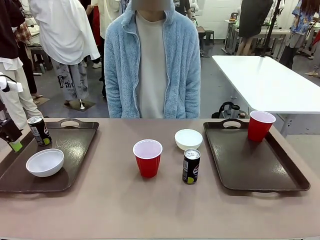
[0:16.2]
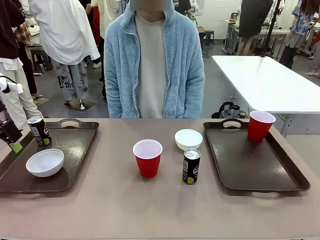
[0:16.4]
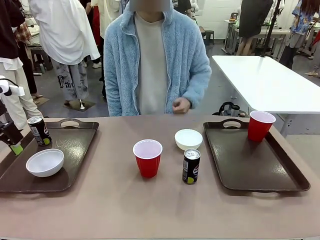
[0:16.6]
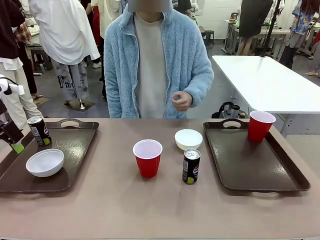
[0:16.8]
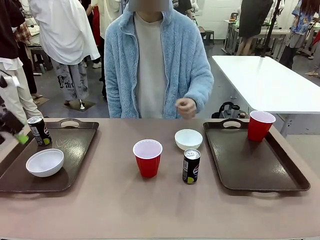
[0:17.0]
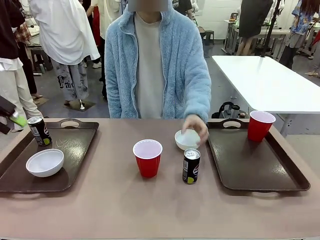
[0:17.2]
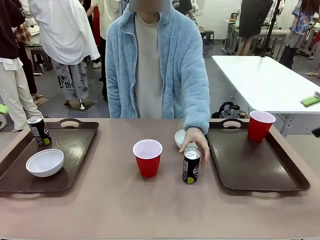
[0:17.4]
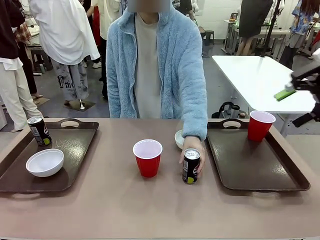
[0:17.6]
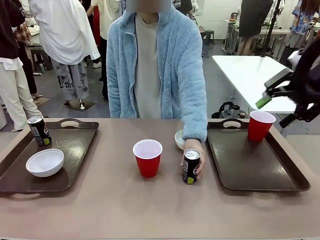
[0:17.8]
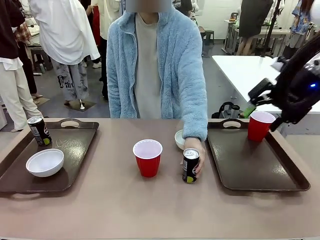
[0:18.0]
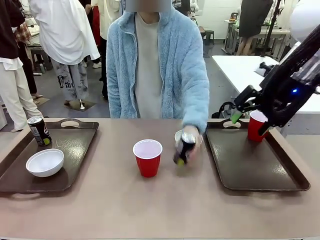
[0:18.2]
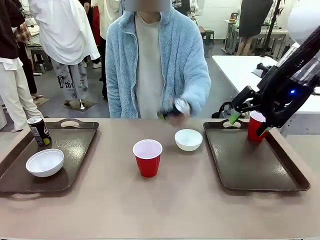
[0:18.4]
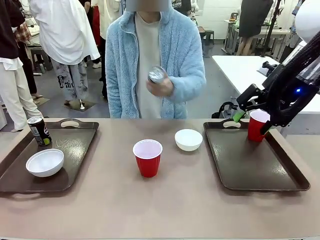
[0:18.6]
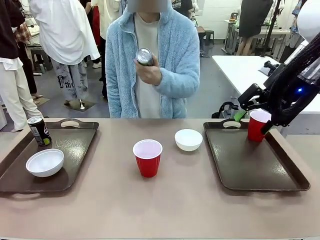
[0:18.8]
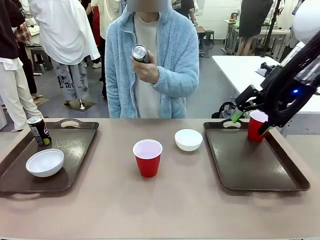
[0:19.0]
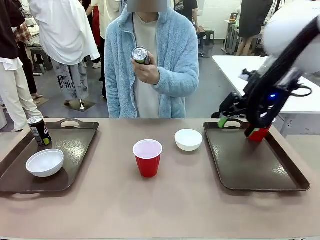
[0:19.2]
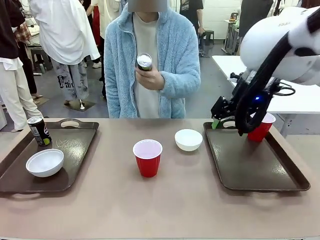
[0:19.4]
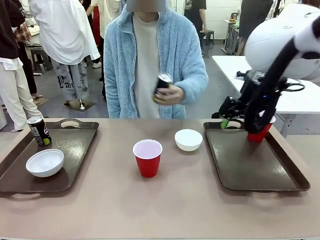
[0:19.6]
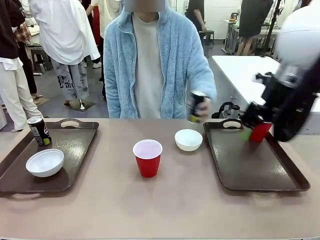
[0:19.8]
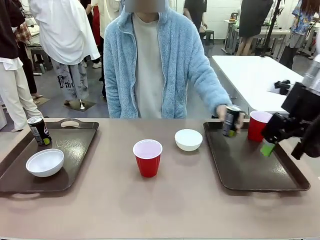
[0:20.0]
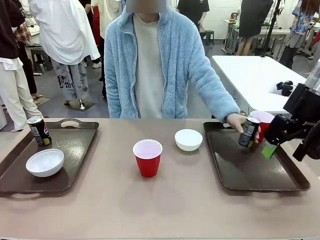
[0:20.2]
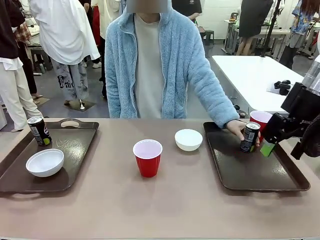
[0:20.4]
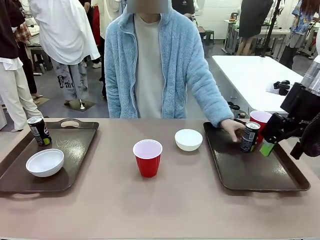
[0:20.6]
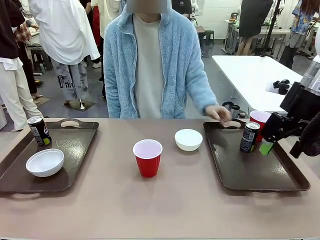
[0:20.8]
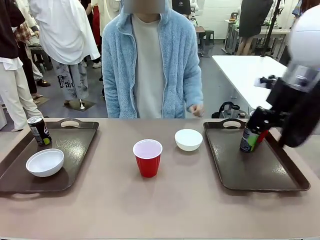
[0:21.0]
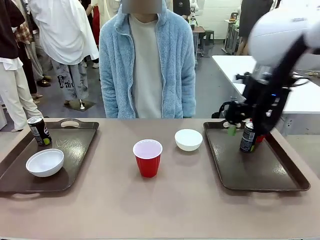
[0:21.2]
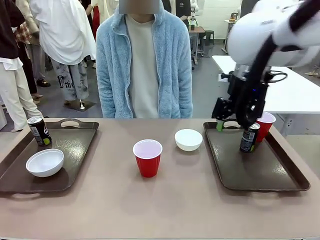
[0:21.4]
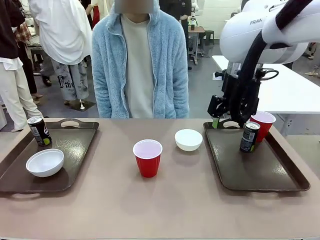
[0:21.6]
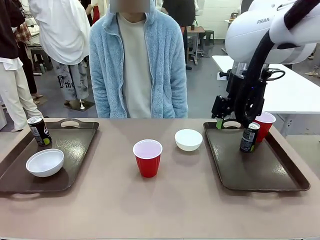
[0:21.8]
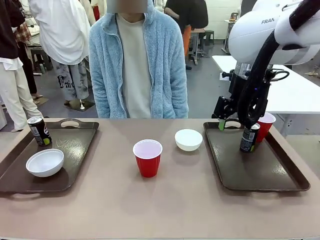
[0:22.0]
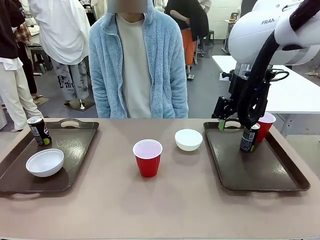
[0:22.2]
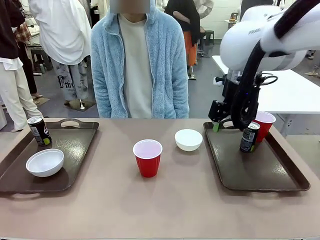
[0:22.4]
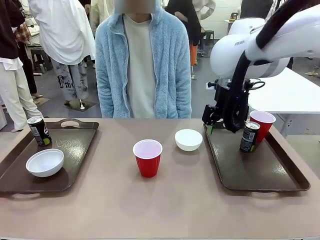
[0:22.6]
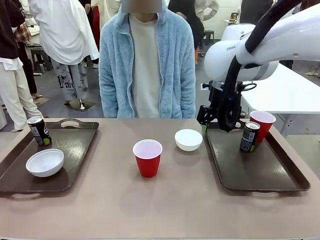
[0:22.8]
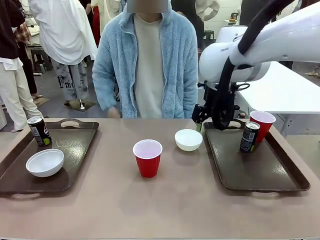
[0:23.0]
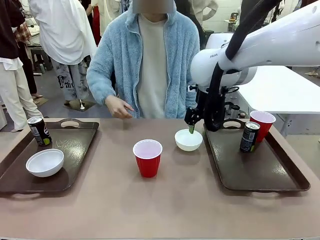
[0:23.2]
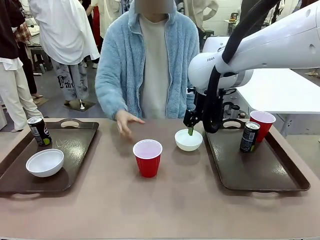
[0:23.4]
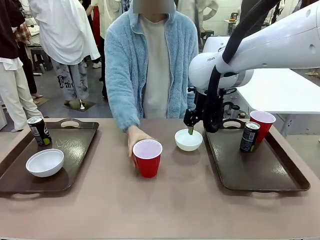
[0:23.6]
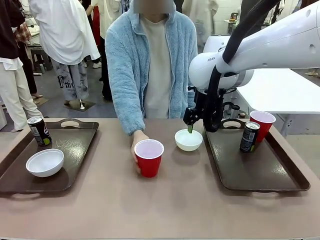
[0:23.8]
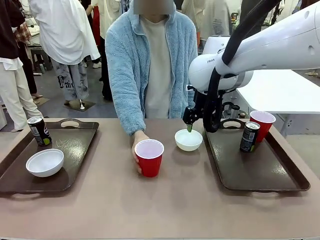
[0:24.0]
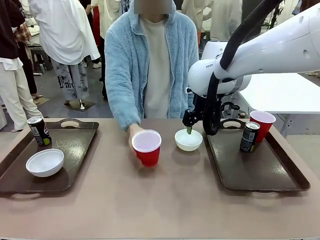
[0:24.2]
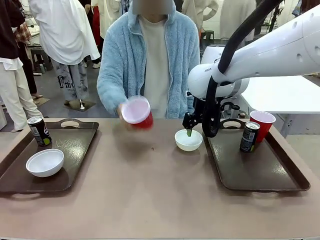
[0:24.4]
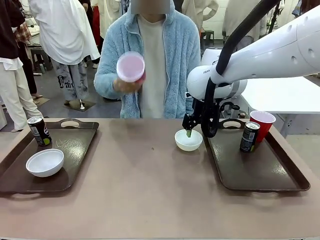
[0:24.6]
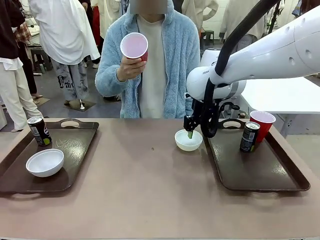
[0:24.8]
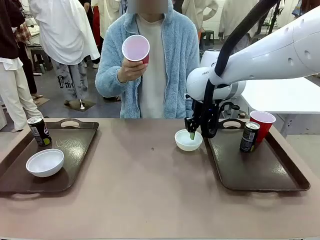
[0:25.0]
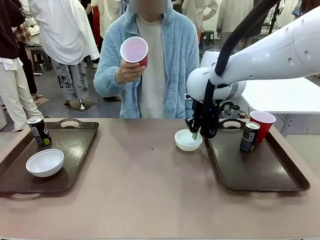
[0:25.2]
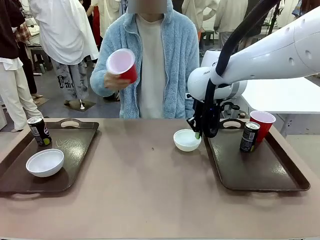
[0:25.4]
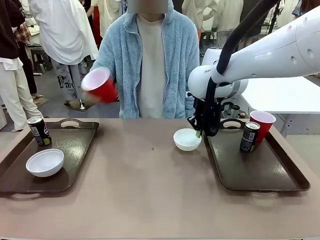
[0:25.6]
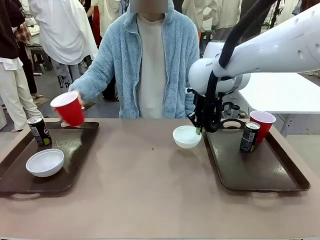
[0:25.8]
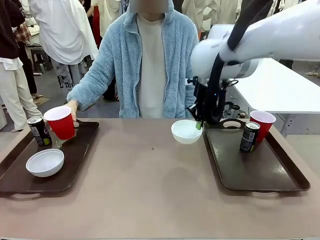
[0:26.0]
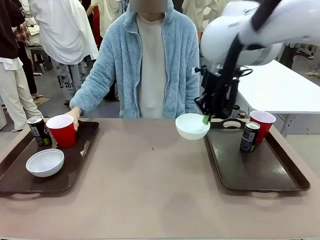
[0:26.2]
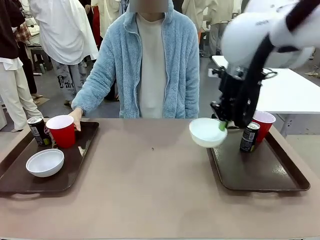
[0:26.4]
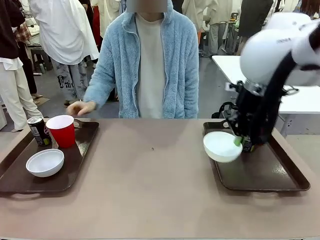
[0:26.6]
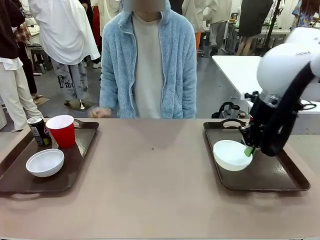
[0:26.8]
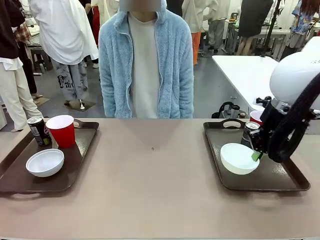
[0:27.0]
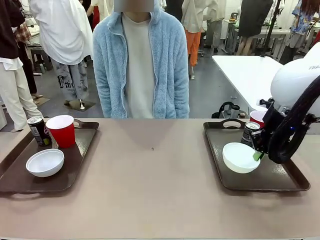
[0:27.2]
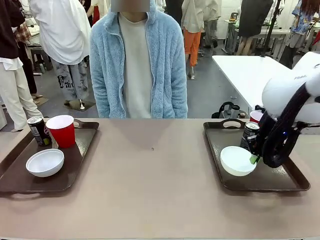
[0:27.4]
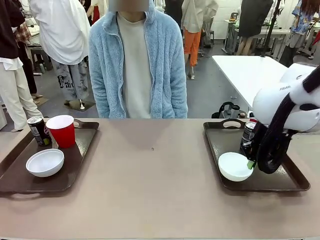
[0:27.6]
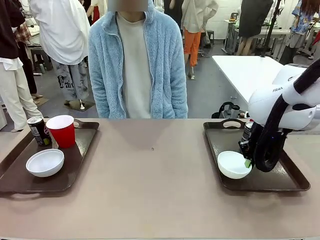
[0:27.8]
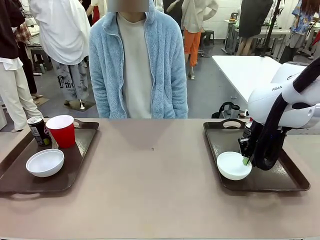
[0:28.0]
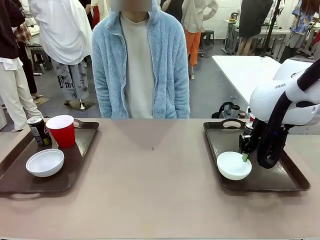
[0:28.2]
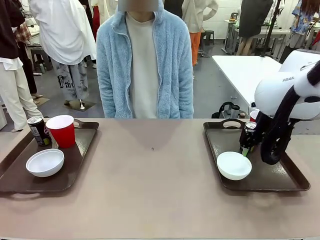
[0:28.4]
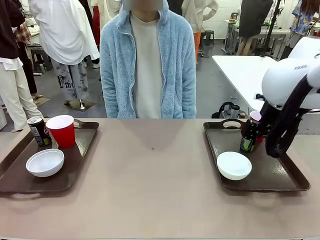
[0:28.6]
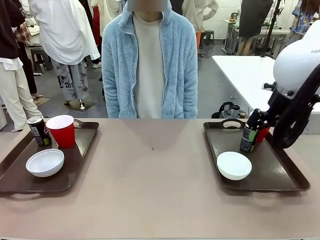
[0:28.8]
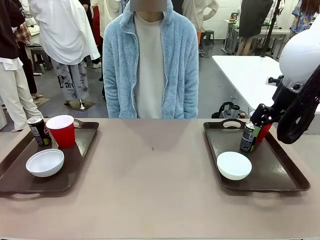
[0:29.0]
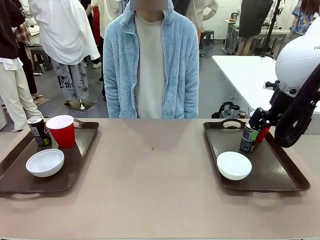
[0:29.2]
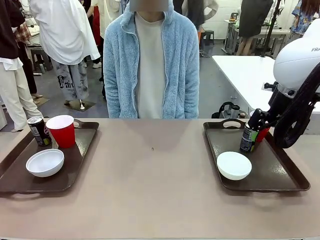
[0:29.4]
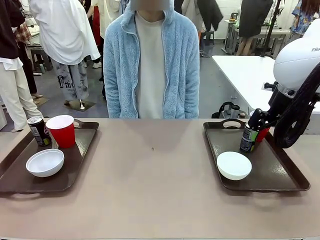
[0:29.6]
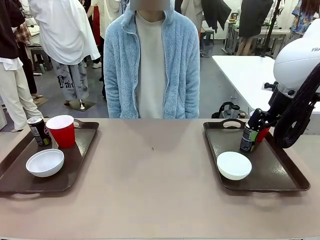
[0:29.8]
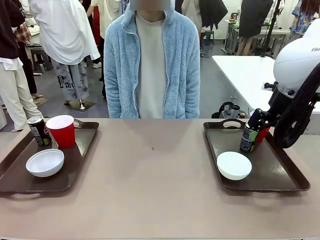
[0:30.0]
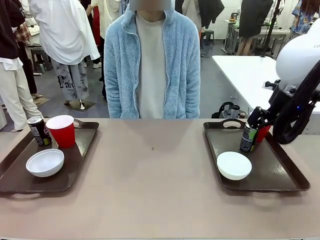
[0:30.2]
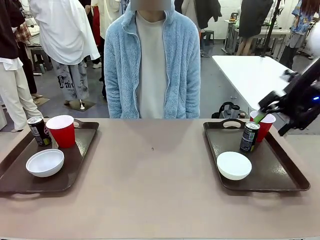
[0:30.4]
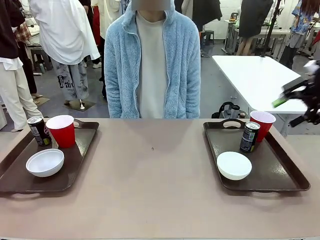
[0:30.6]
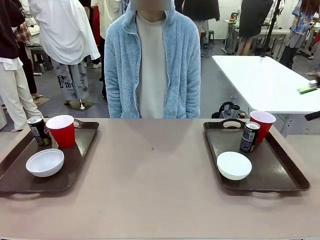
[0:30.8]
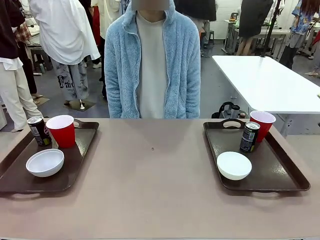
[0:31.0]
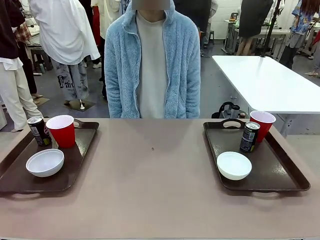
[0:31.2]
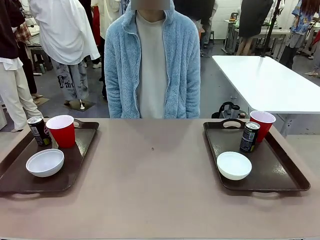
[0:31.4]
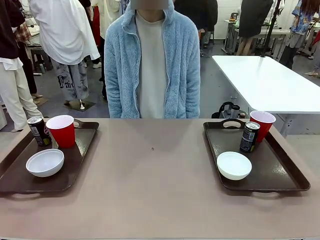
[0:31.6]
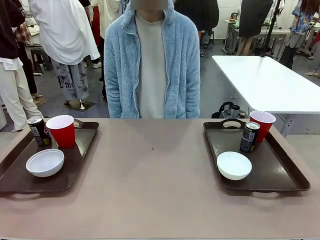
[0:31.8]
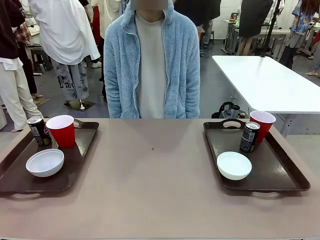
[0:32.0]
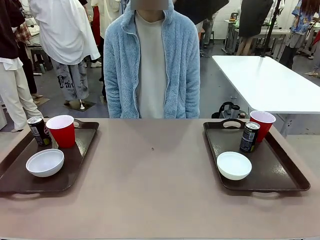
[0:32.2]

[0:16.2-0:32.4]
Task: Prepare tableware on both trays.
Robot: Pick up a Picnic Bowl from the table and place it on a Handle tray.
Person: Pick up a can or cup and place it on the tray without a can or cup.
